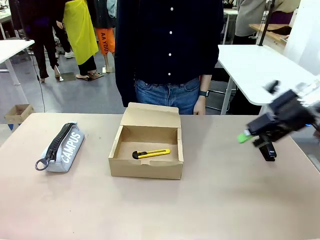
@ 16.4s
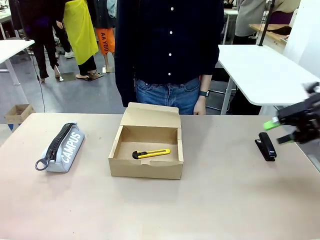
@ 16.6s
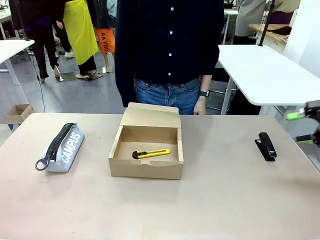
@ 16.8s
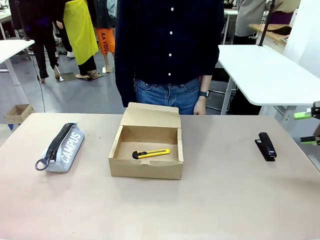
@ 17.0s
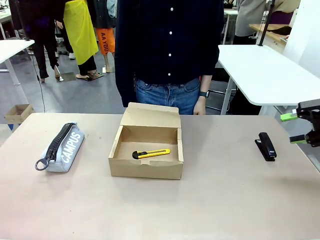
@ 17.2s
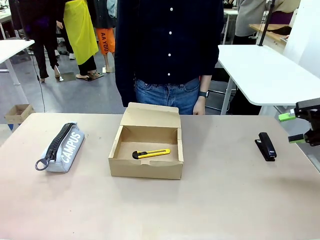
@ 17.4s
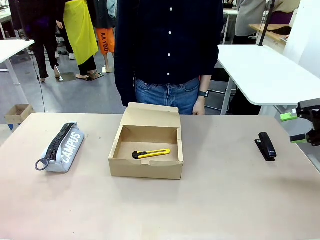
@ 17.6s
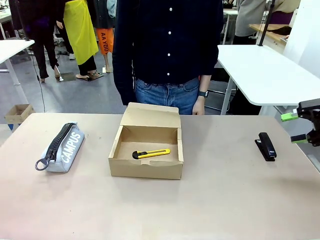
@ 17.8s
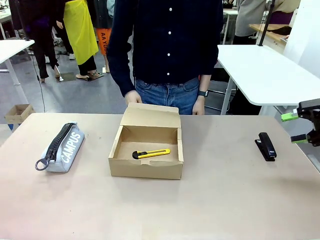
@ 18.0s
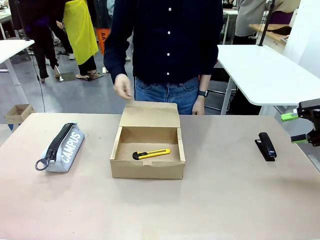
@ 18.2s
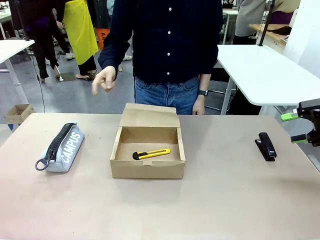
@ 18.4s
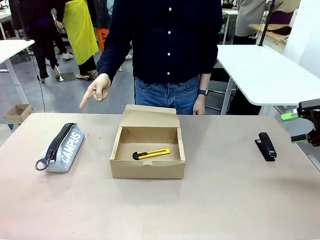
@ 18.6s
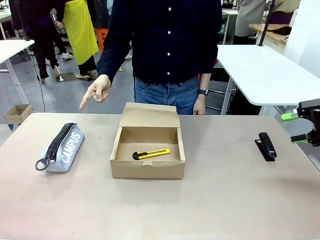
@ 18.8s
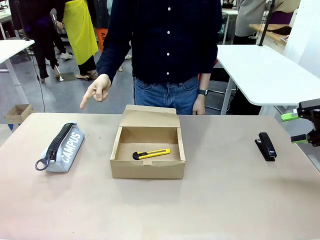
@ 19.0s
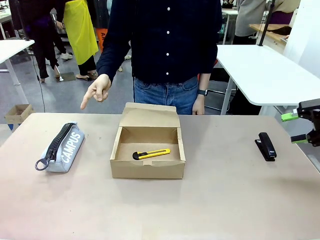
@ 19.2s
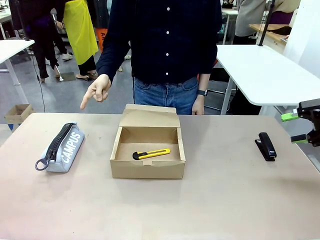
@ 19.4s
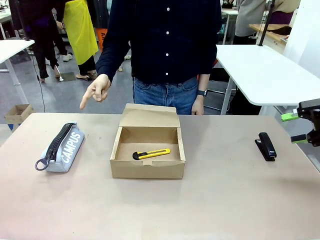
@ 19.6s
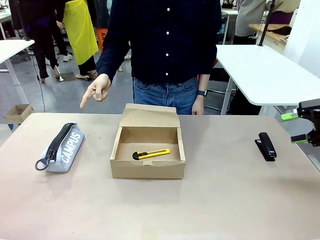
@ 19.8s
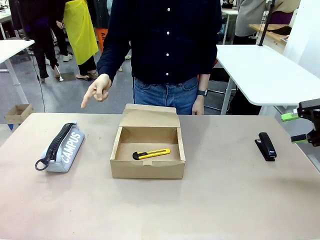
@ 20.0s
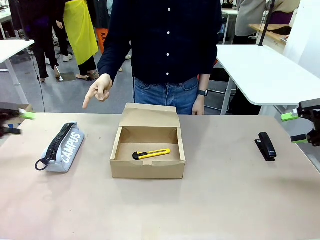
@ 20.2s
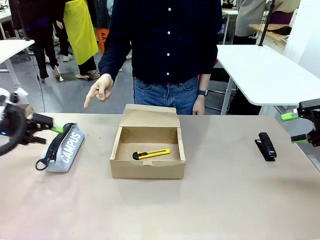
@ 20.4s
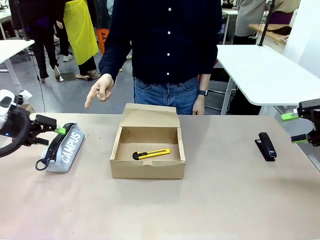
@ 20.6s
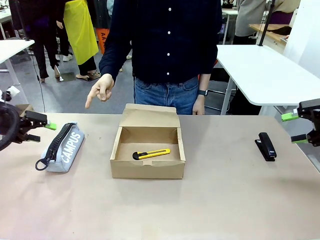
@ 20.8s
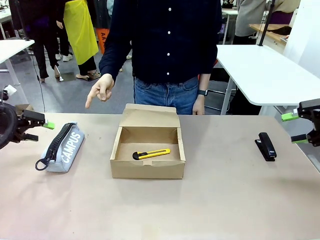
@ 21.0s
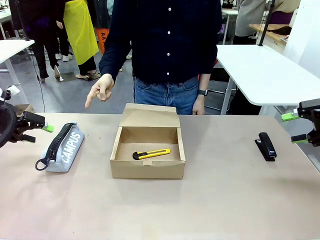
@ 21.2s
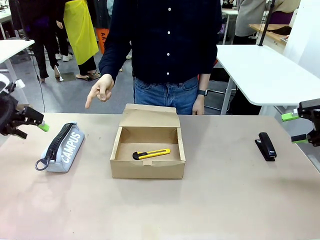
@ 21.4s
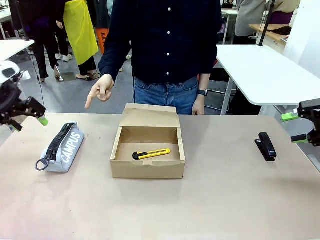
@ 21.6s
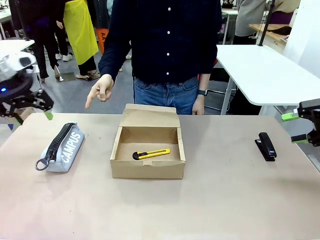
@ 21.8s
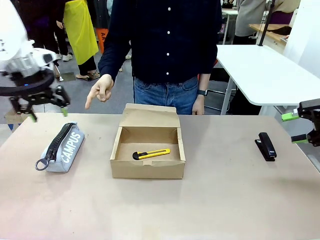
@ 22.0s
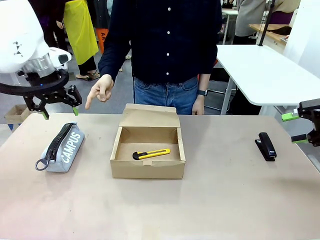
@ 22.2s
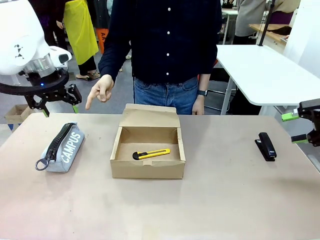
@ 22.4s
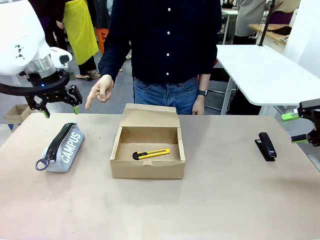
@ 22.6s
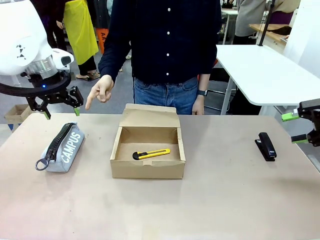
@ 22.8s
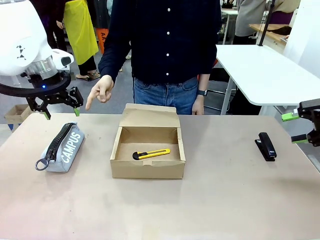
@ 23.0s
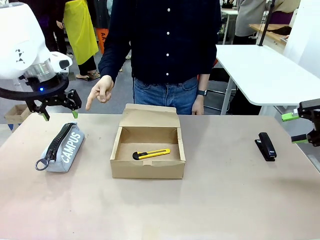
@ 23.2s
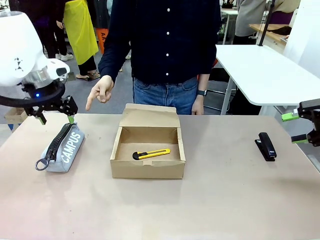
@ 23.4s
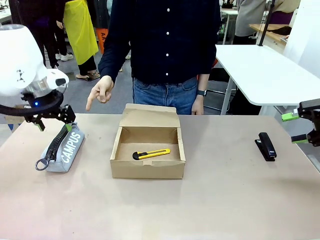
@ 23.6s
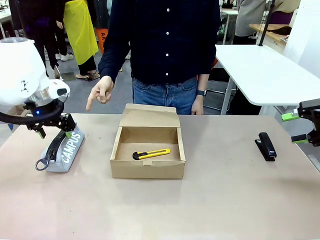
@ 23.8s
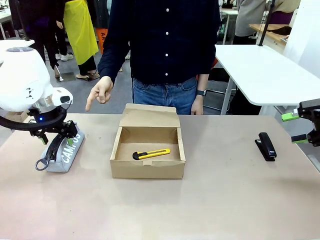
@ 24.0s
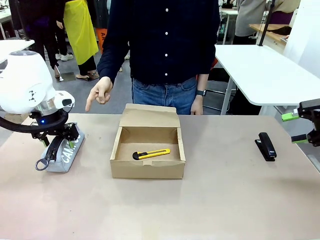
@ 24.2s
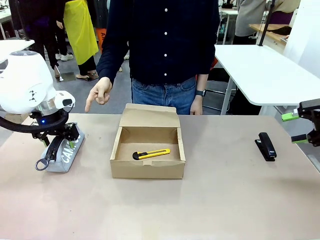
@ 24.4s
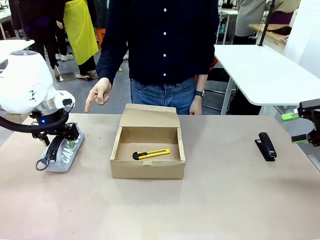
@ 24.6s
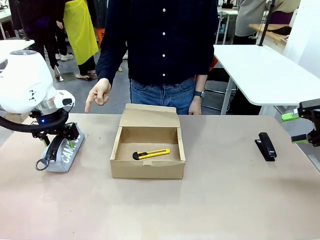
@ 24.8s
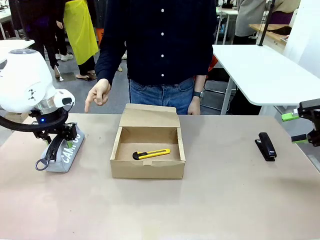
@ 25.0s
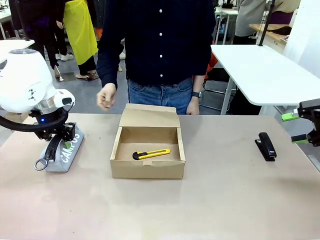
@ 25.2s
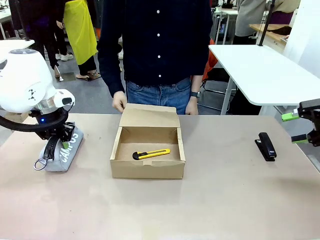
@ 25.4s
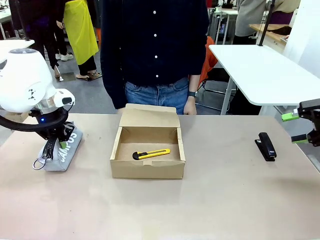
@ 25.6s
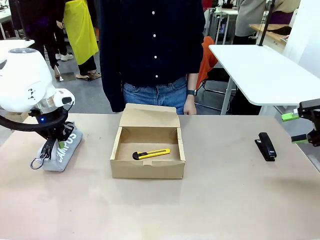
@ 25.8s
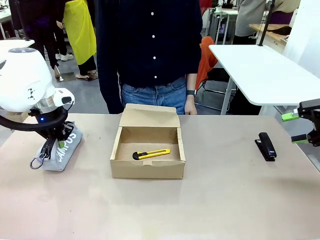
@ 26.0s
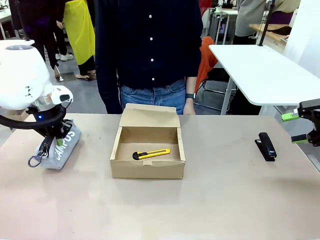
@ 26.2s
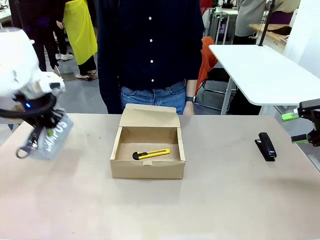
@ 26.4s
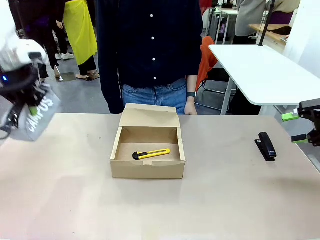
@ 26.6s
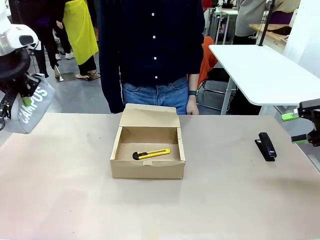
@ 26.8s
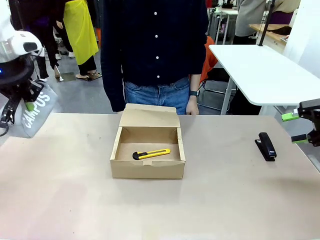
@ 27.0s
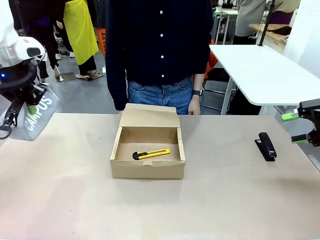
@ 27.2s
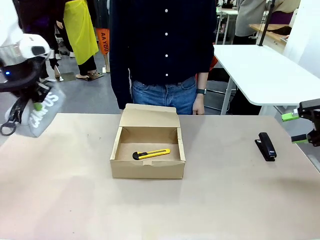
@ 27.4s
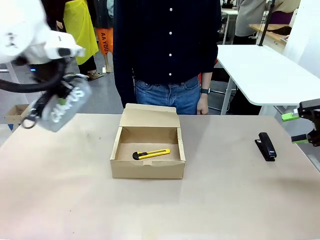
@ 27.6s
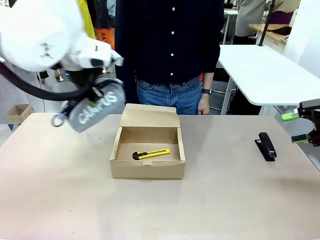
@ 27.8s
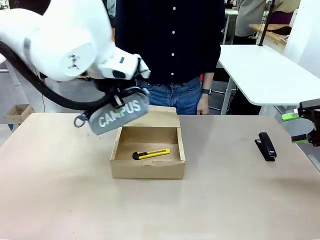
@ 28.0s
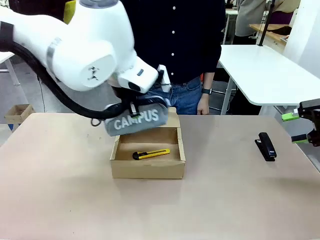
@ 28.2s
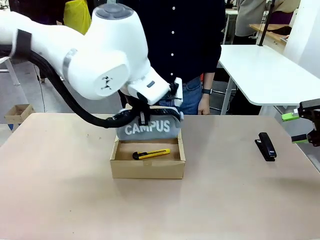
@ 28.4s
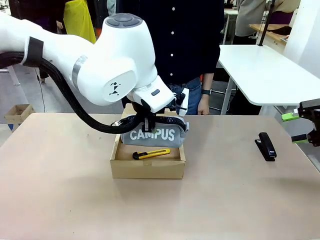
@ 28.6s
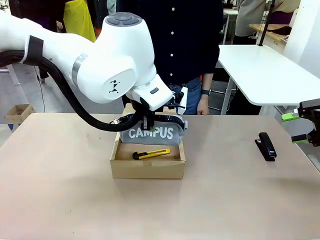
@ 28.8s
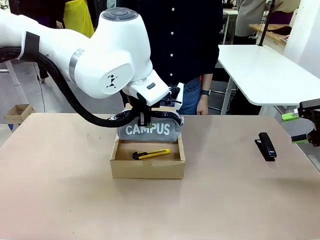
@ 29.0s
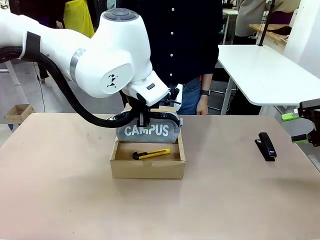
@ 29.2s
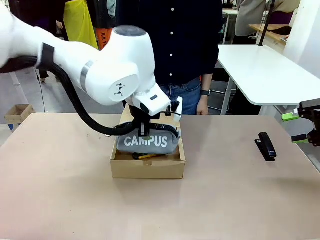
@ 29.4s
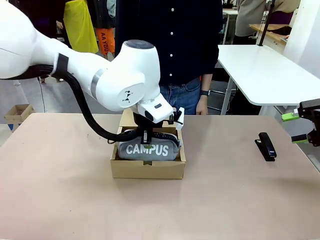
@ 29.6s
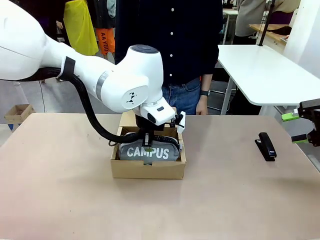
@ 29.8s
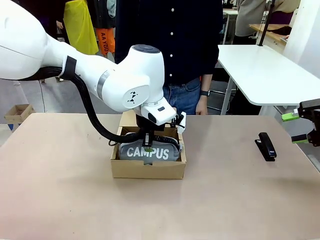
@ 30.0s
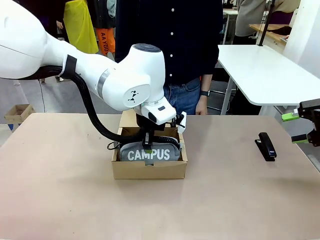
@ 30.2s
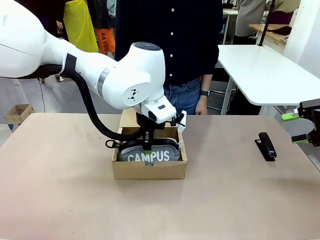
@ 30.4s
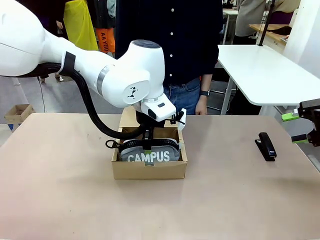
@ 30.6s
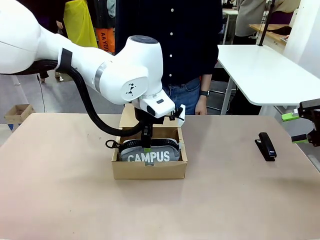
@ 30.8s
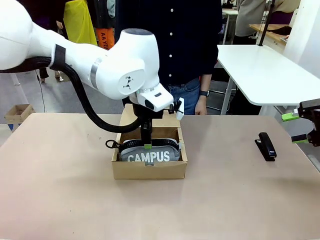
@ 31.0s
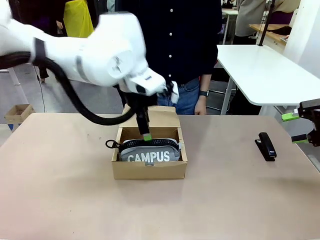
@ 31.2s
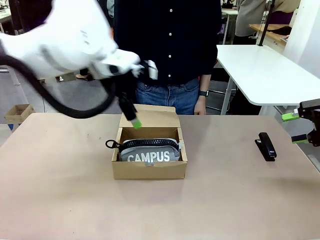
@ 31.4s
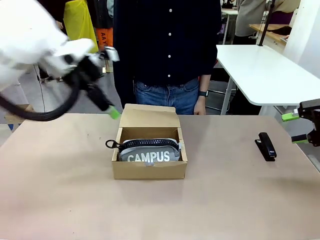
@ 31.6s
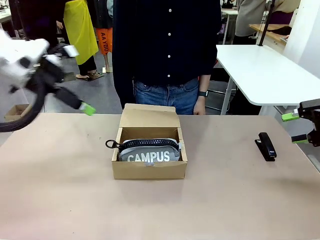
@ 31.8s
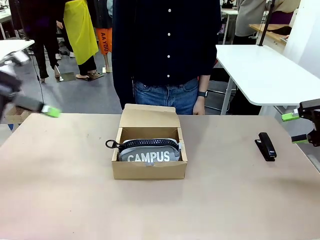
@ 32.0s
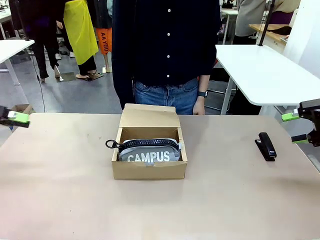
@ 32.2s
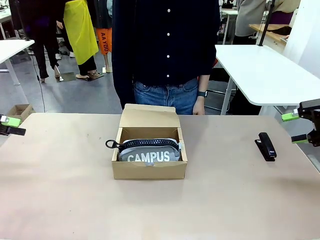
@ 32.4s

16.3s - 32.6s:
Task: Pack the items into the box.
Robot: Pick up the item specified by the human and place it in the Mailer Box.
Person: Lower both hands vertically with palms facing downward, as if pressing something closed.
